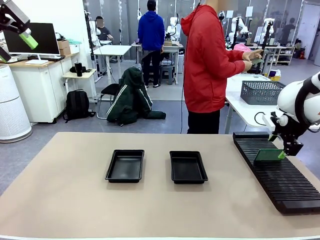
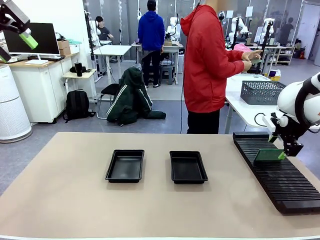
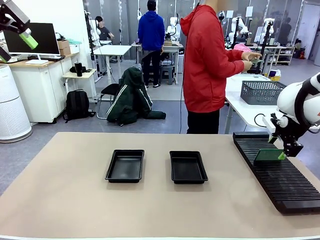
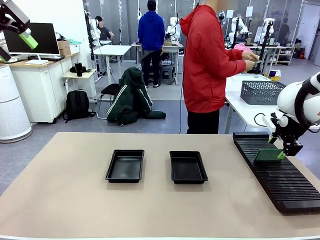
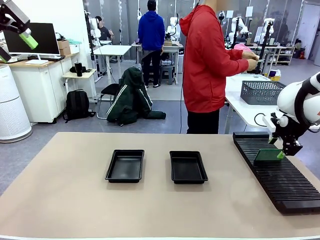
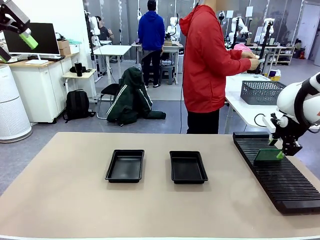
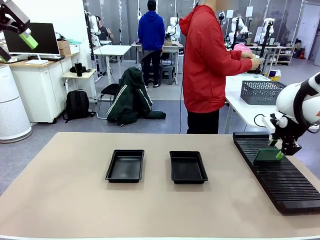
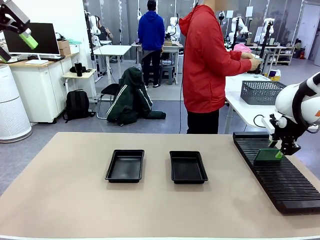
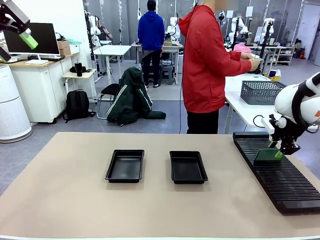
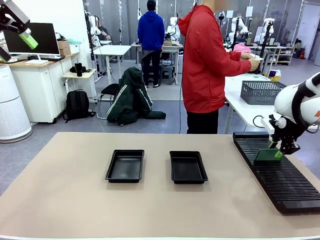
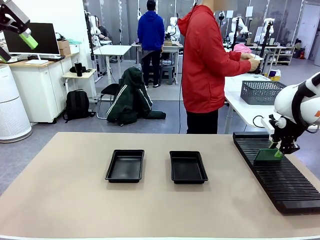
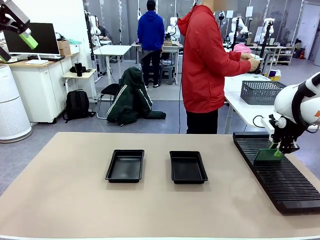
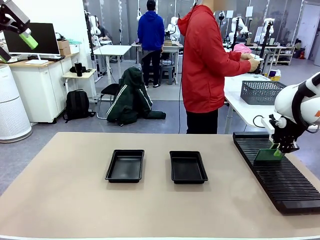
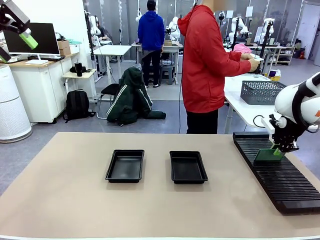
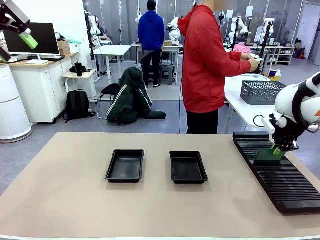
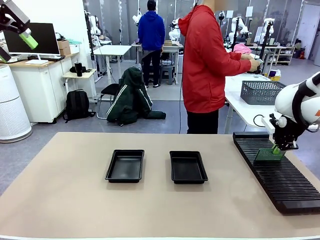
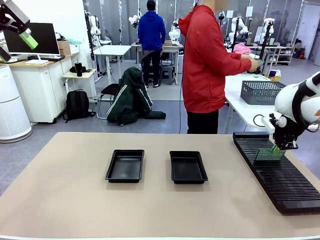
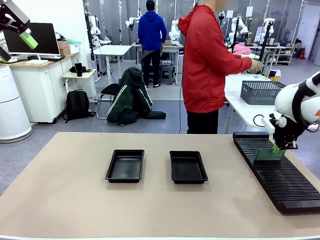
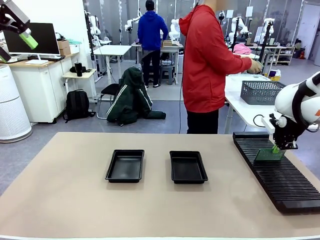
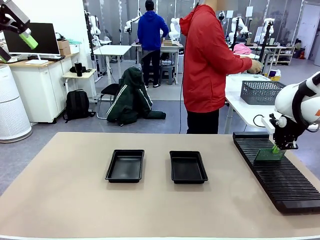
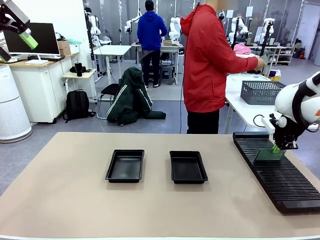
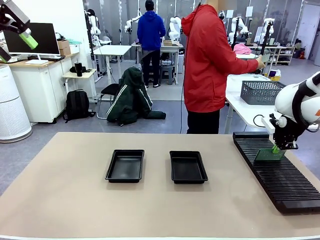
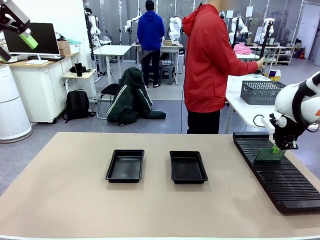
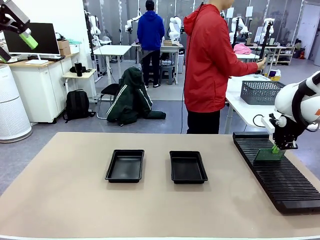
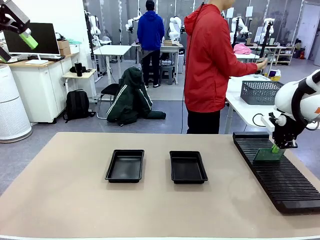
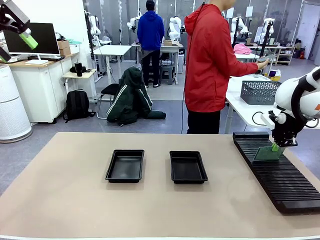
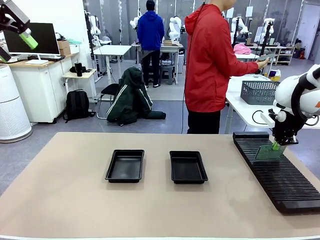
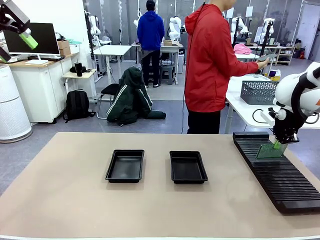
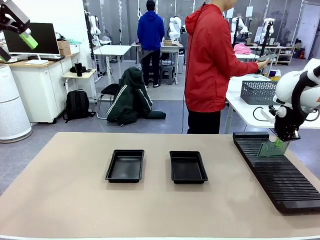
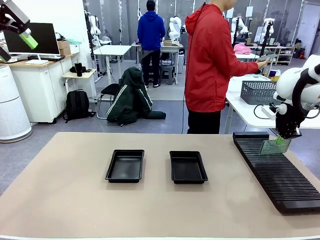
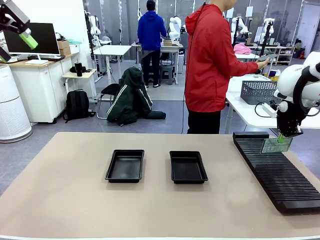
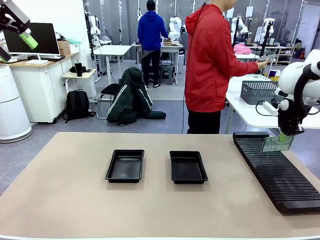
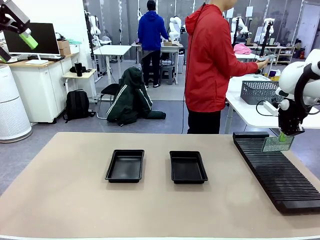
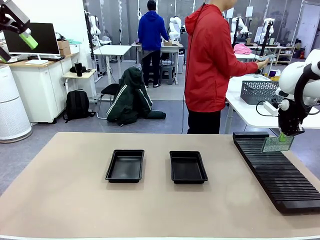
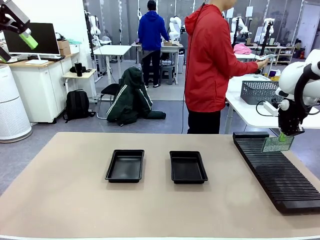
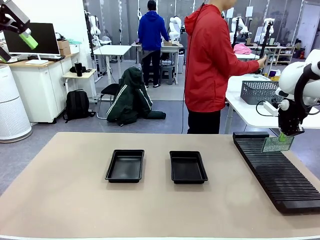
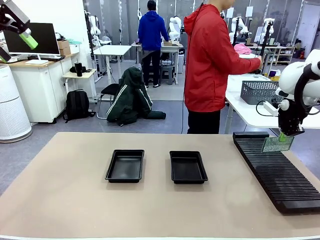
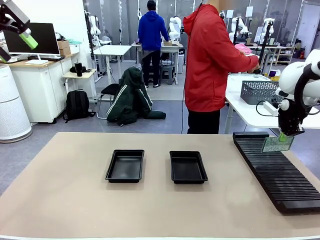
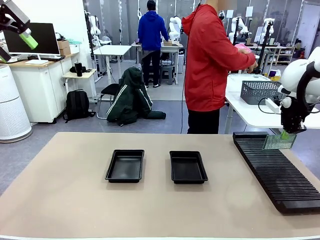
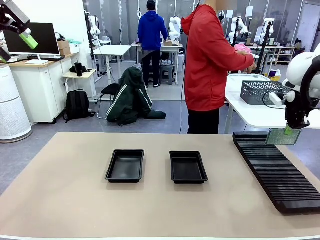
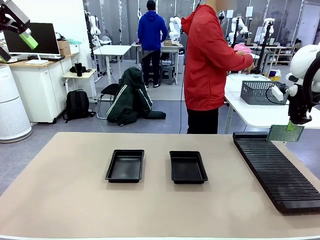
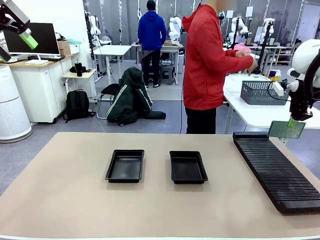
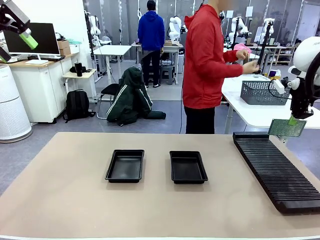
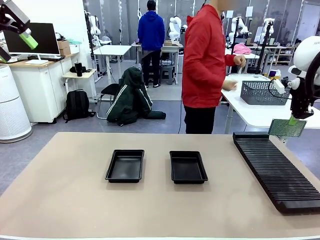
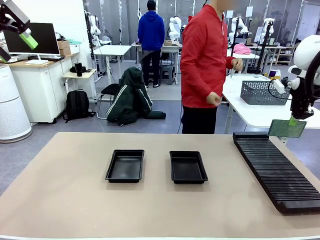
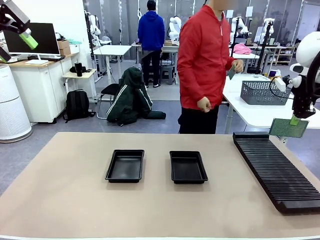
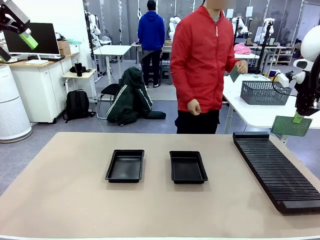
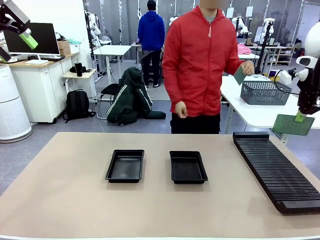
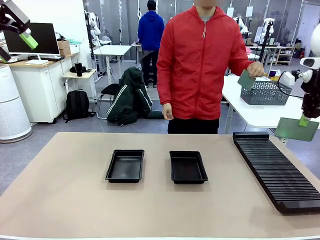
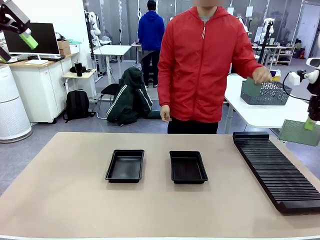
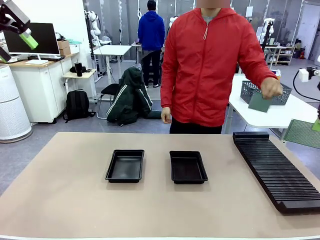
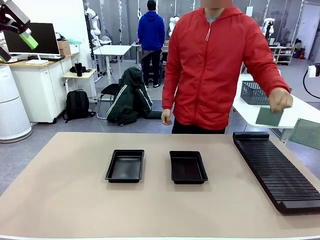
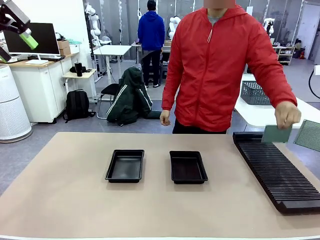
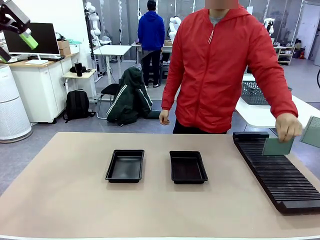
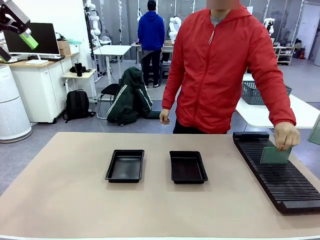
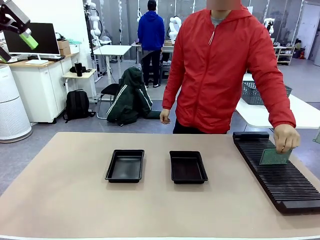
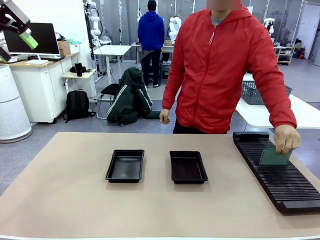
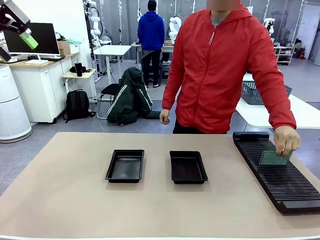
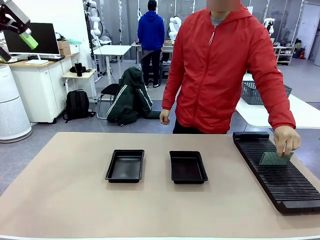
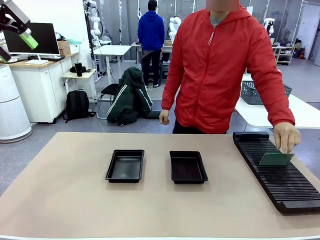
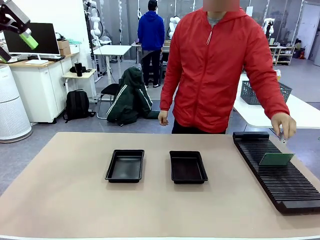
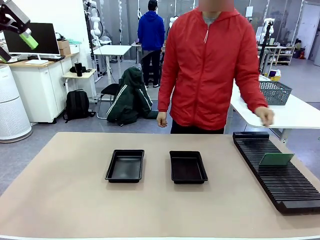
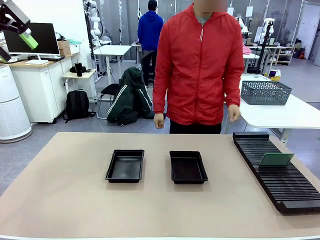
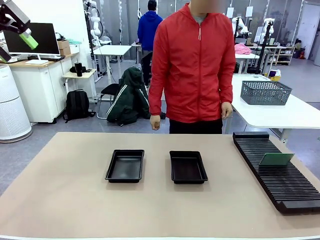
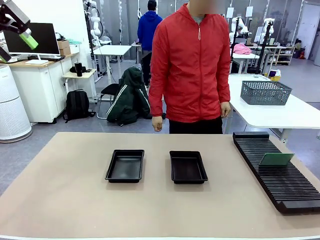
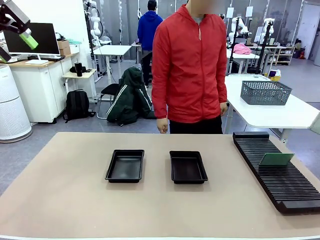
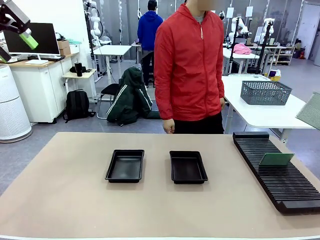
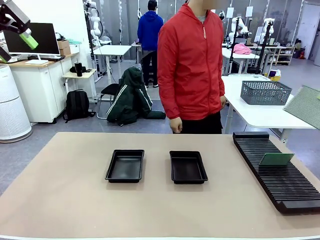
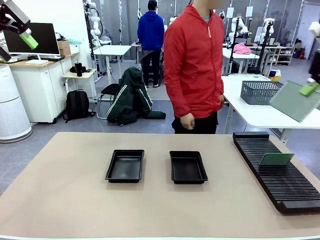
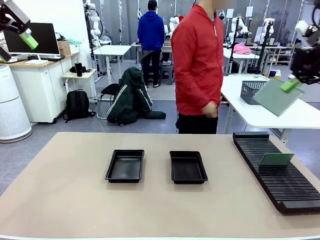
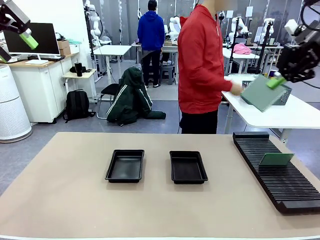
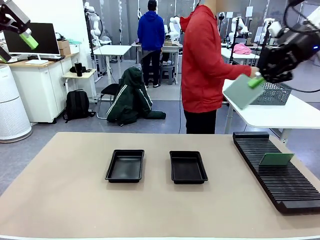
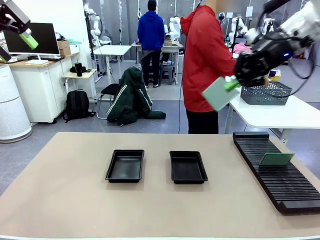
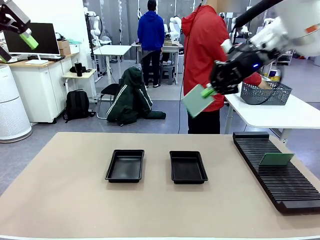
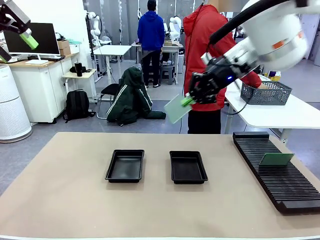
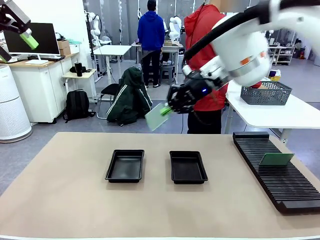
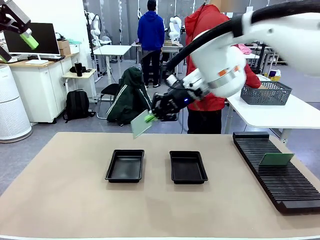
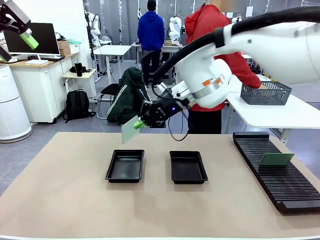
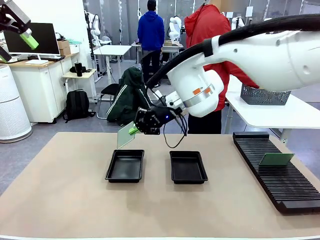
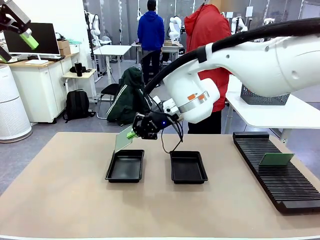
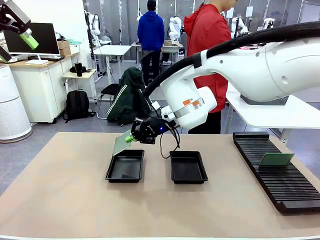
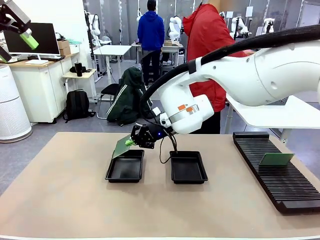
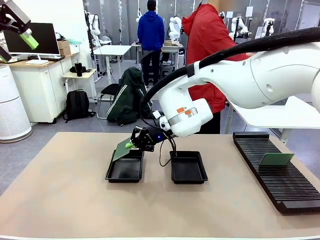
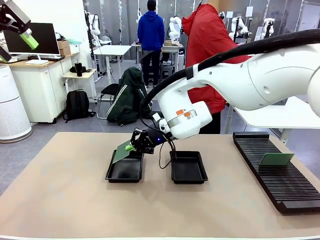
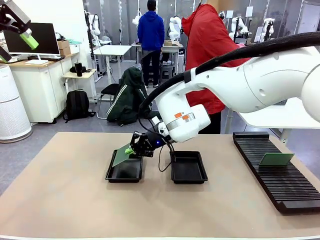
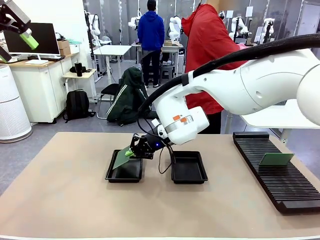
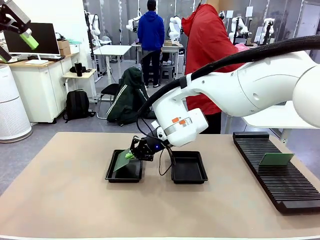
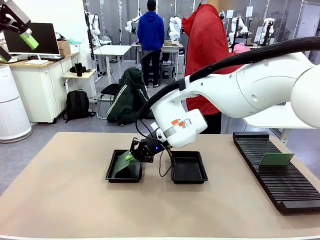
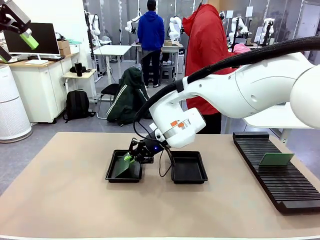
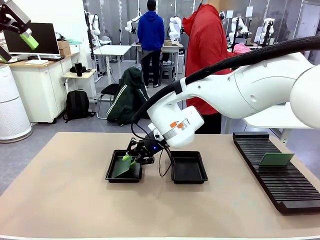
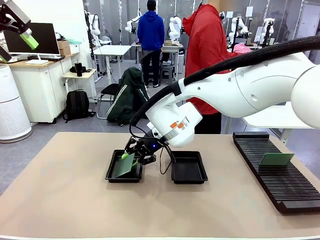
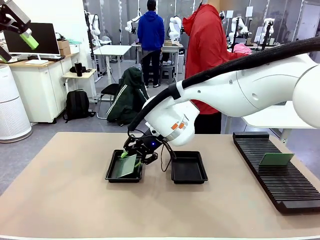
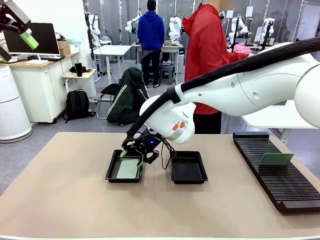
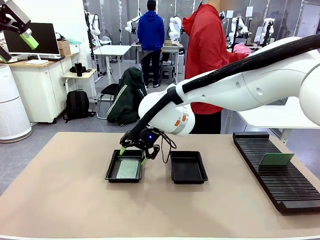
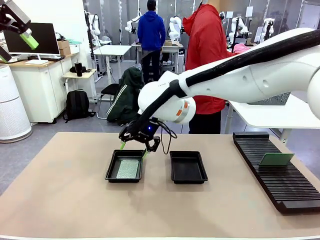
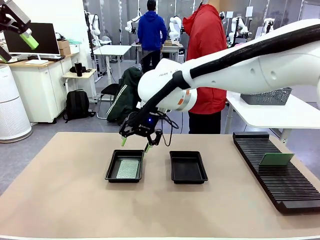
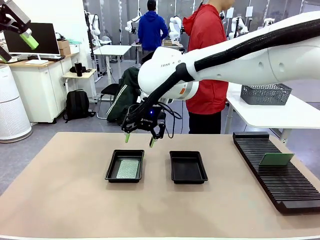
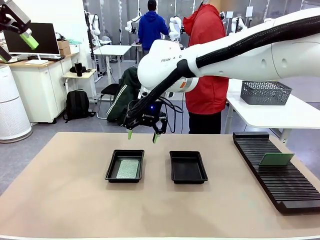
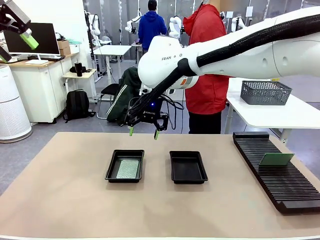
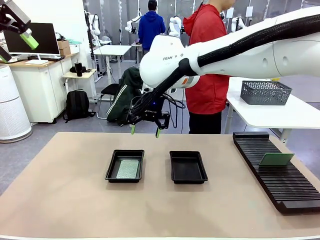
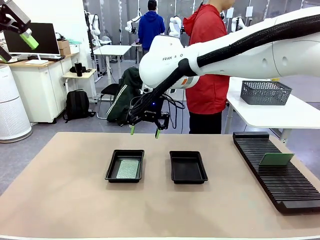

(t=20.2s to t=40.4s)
Task: Inspect and transfer BCBs to ESD trays.
Robot: Pick up the Blank PCB from the PCB Rack and place it in the left ESD tray.
